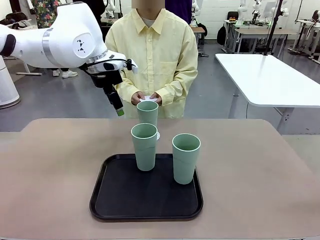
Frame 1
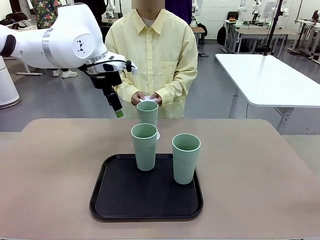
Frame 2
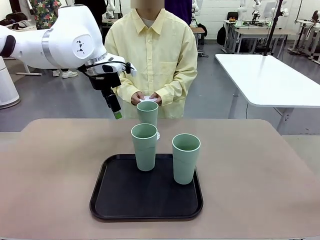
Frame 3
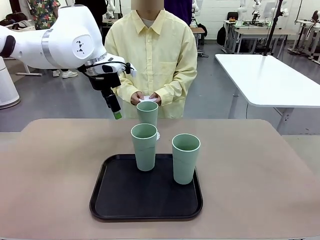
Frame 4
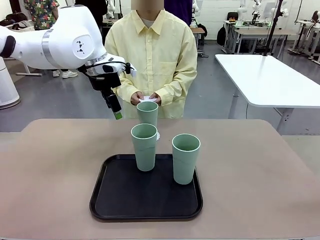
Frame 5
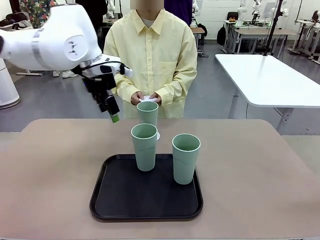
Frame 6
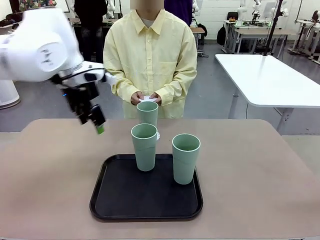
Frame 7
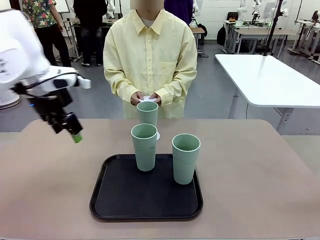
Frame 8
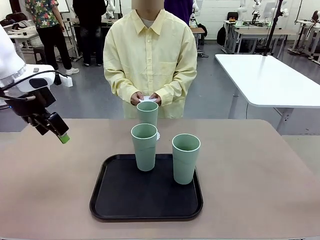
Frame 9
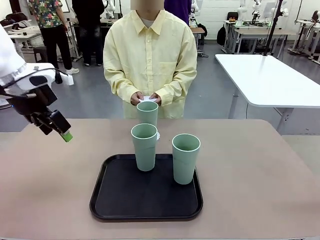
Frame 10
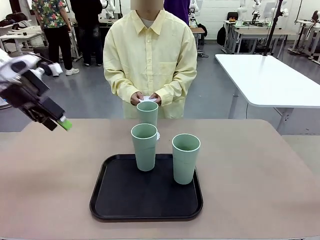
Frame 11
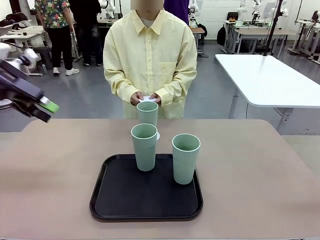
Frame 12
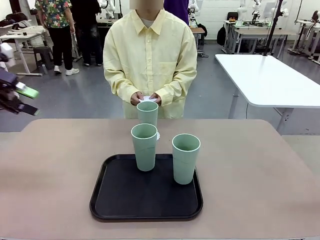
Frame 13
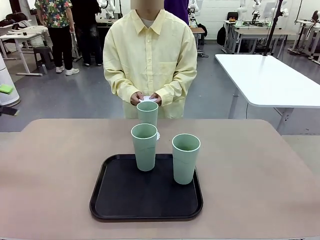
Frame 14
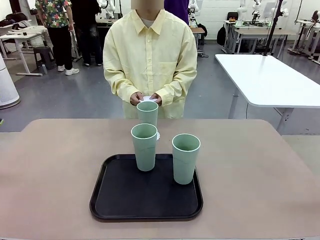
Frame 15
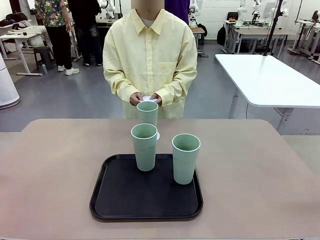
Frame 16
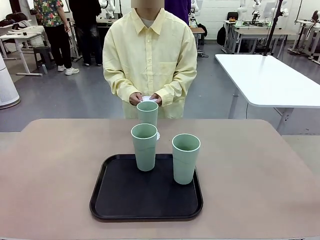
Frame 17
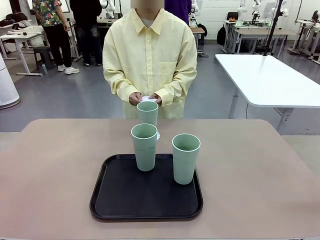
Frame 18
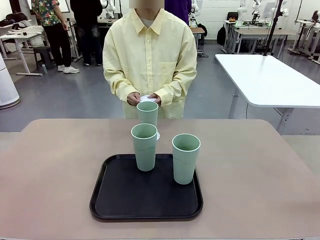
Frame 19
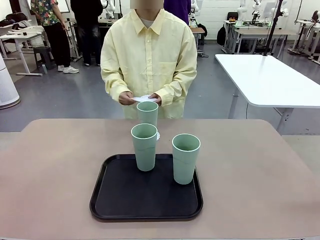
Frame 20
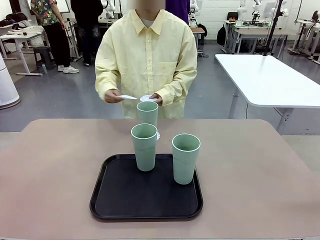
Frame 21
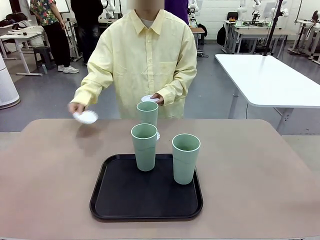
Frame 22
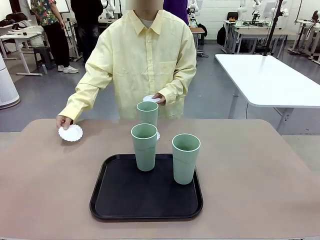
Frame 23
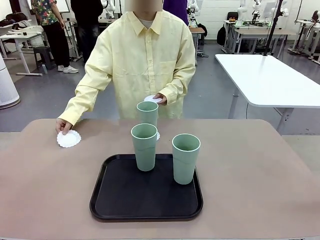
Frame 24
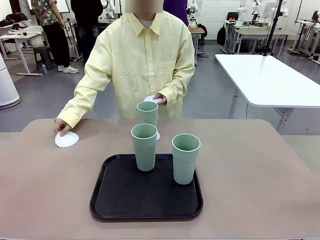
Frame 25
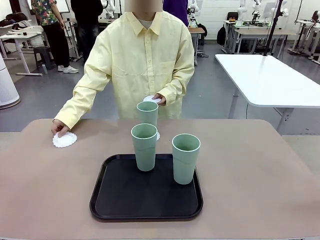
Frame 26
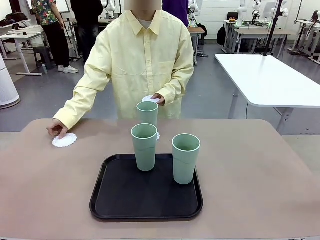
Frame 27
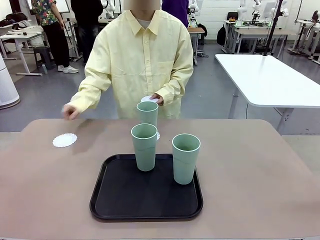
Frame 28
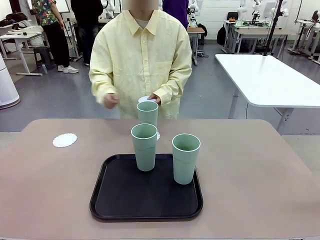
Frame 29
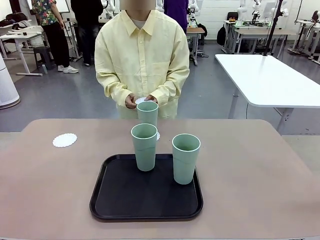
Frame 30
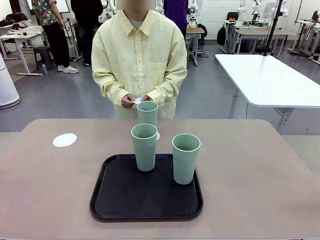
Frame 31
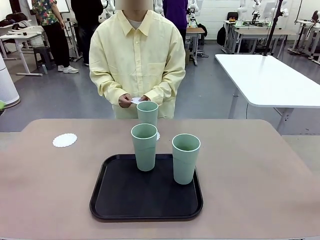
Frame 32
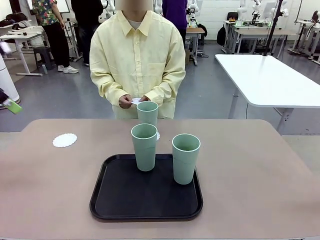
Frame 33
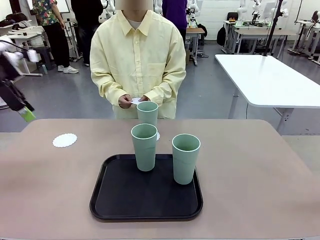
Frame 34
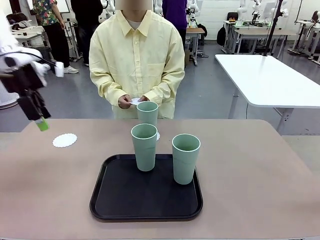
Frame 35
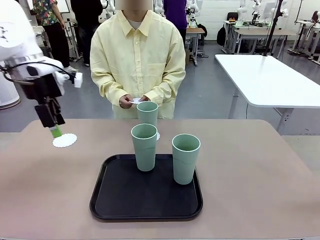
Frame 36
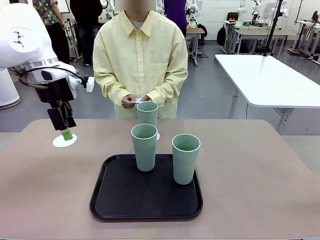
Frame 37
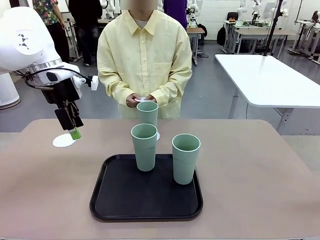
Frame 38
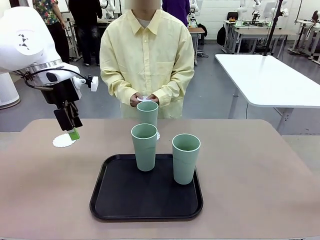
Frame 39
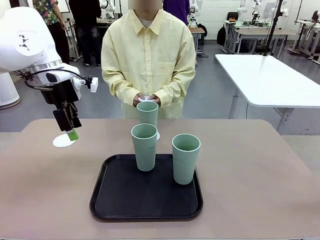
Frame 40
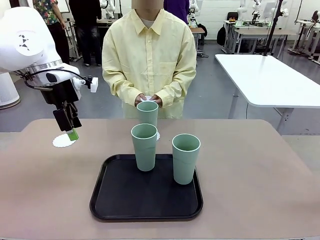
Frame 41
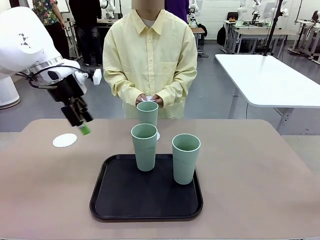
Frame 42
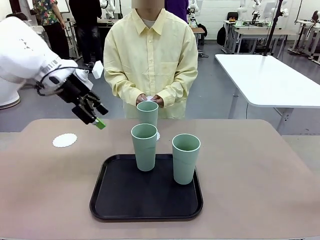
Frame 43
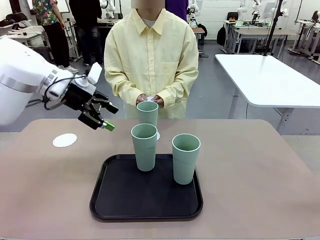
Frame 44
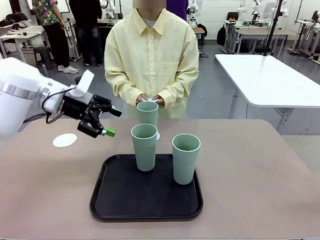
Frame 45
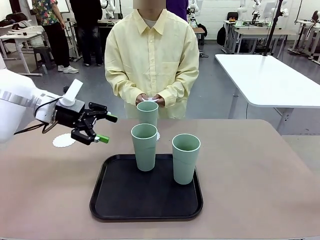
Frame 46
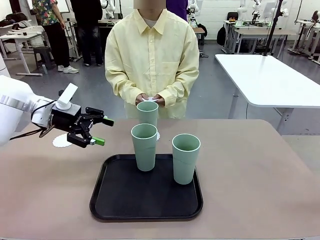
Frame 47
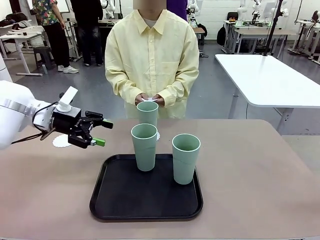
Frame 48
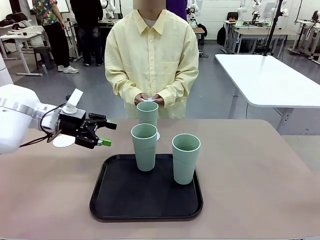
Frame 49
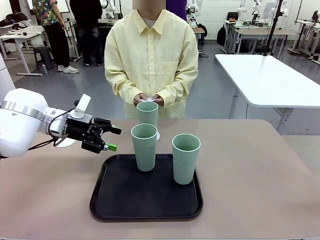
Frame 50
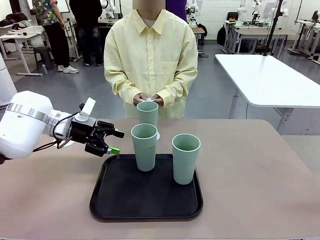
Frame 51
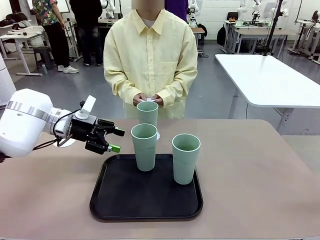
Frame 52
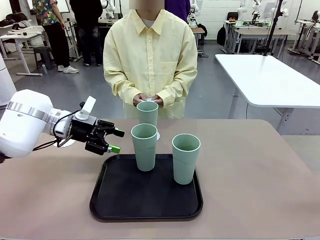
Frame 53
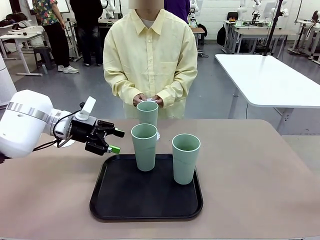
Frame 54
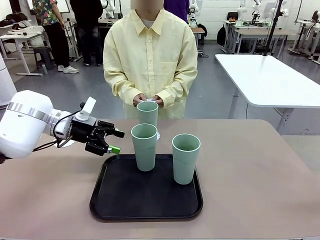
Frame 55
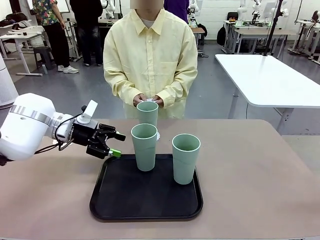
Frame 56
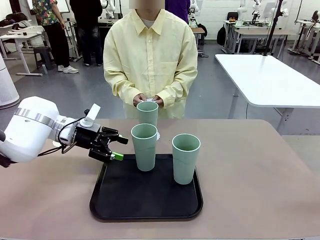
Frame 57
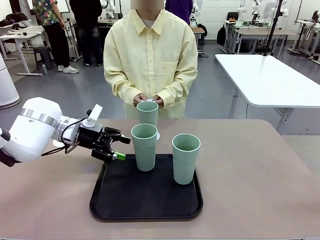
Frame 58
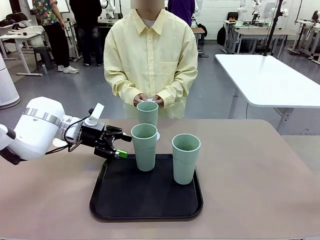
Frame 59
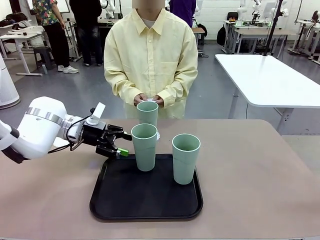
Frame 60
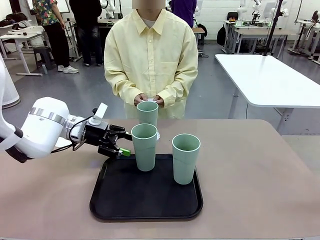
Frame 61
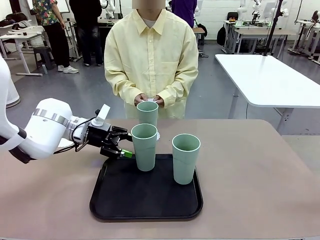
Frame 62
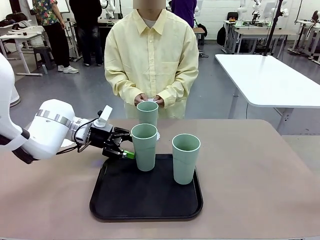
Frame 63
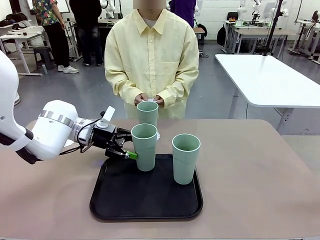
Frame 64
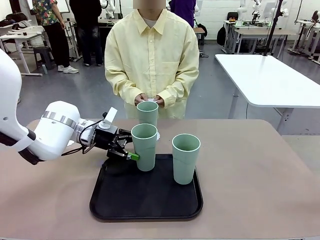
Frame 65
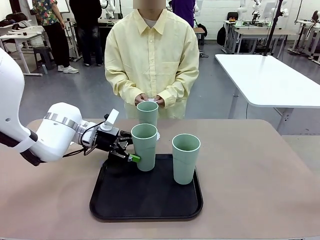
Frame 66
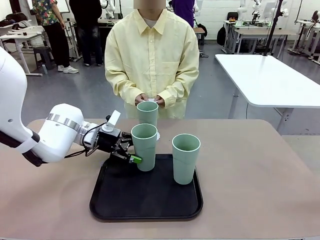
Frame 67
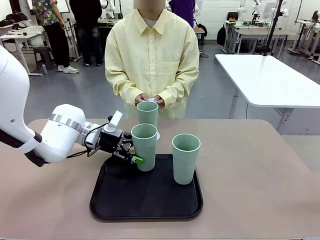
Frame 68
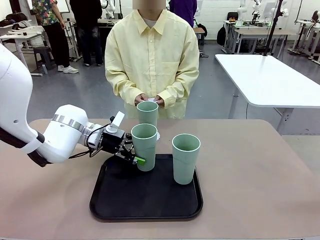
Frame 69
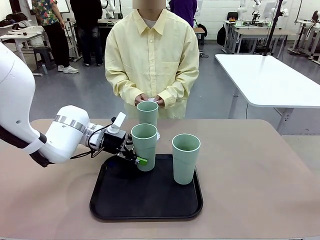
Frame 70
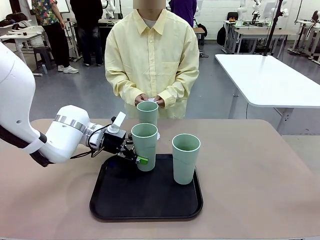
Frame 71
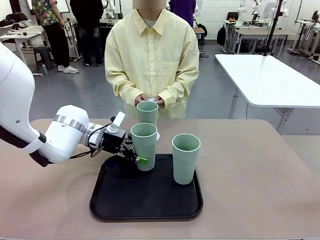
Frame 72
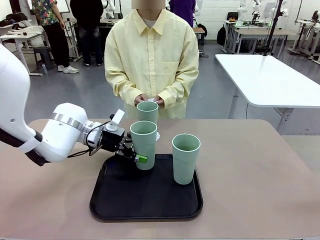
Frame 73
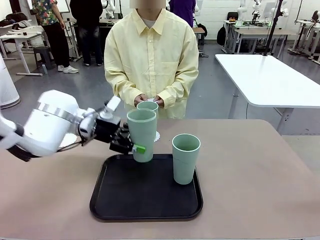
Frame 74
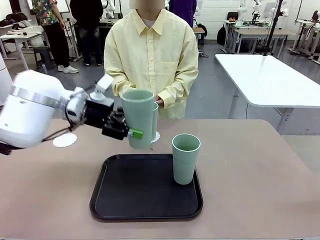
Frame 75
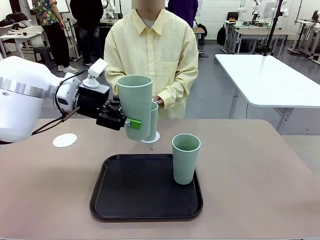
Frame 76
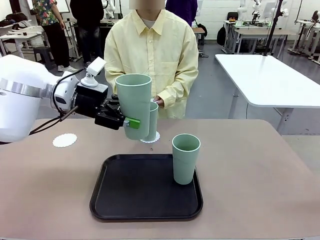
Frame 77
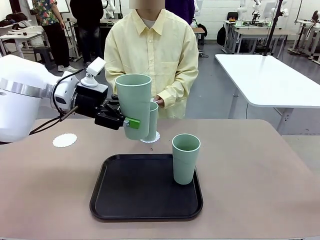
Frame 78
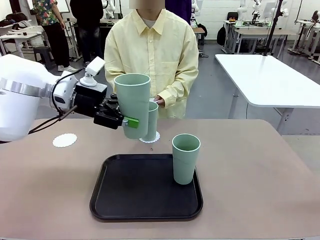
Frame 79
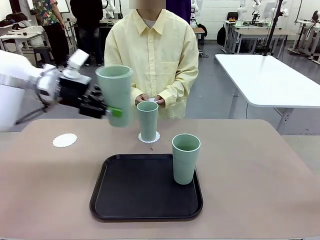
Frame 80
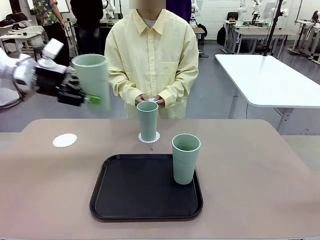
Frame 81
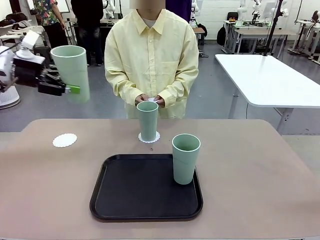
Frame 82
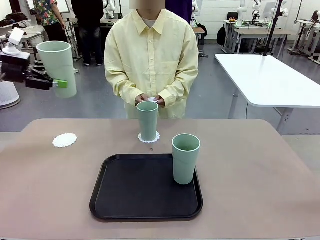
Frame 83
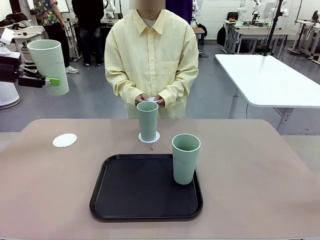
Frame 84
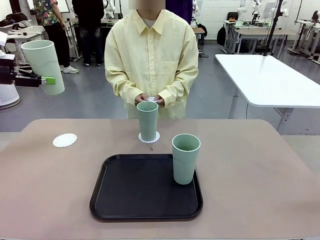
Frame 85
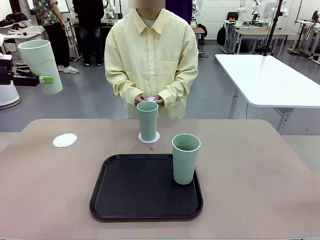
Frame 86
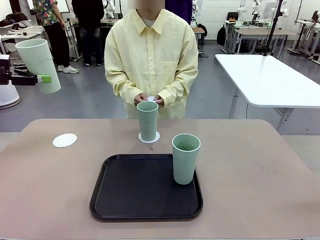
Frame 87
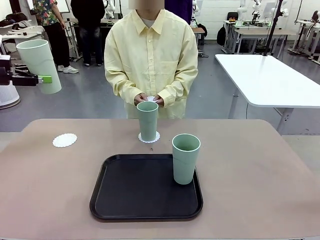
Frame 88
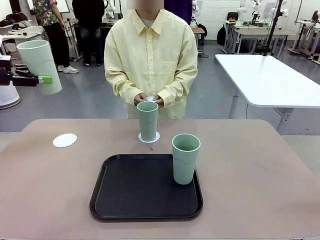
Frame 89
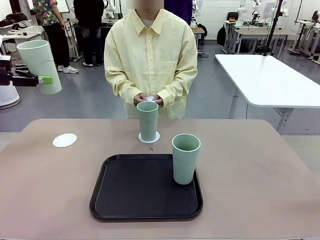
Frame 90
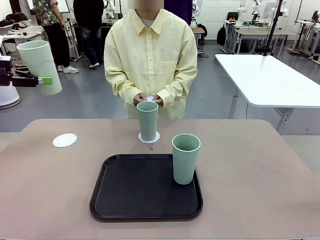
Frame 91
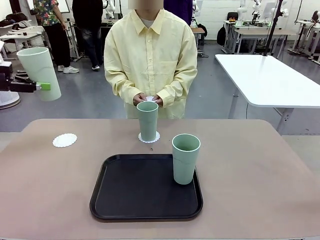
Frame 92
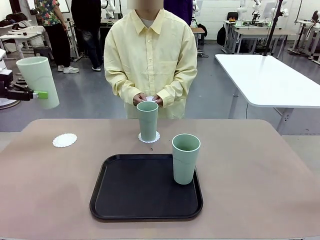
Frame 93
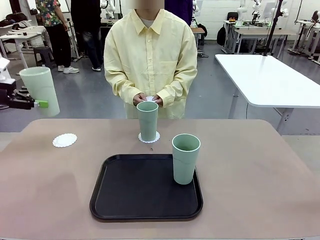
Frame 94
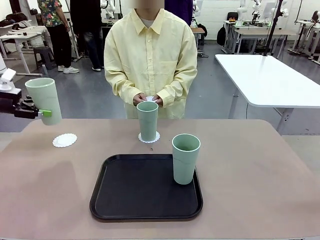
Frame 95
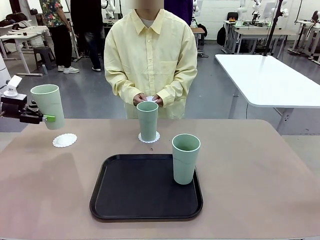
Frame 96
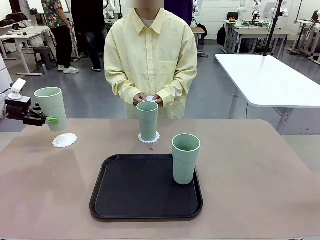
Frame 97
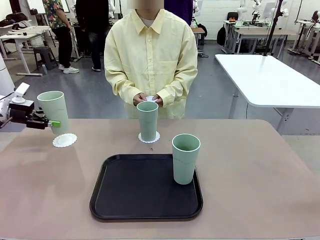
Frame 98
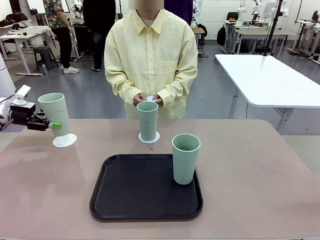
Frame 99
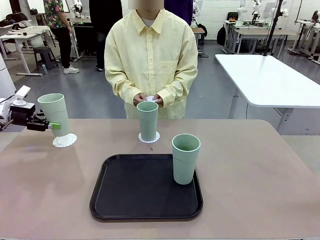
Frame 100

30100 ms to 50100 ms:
Task: Place coasters on the table and set cups on them.
Robot: Take one Reusable plastic cup from the Flat Tray and place it on a coaster set by the human.
